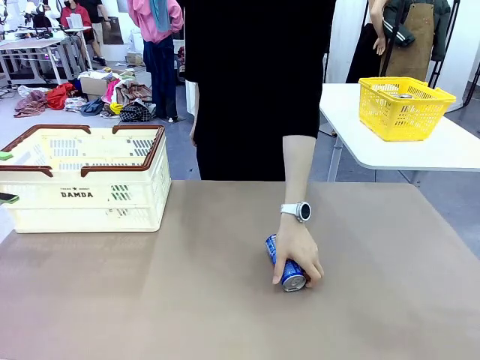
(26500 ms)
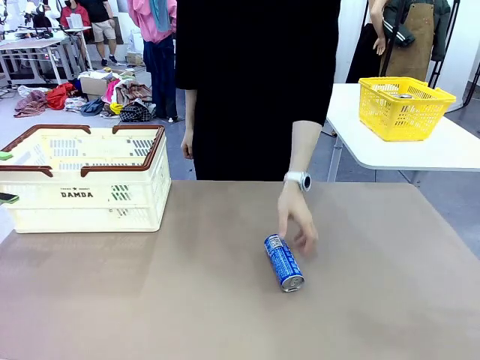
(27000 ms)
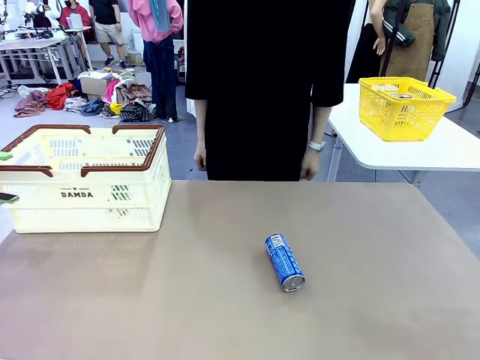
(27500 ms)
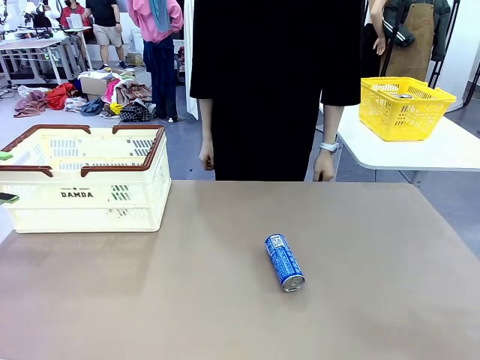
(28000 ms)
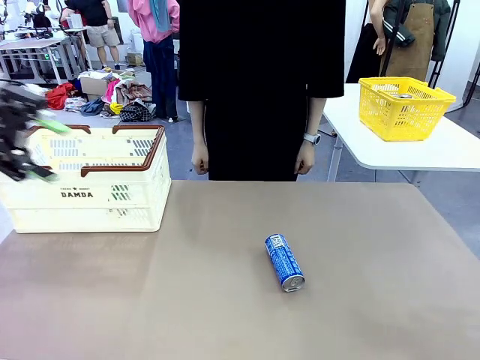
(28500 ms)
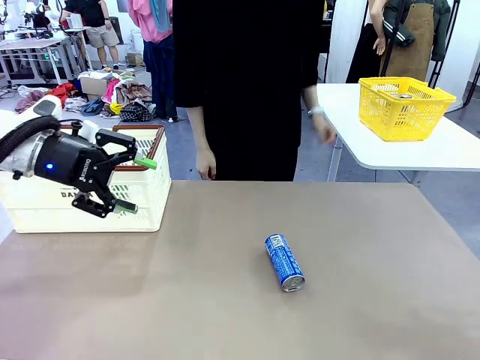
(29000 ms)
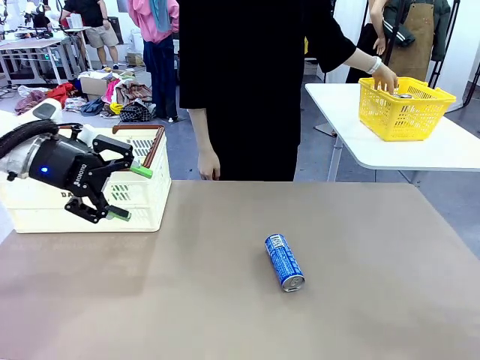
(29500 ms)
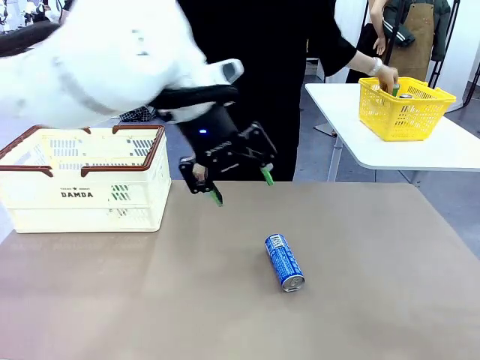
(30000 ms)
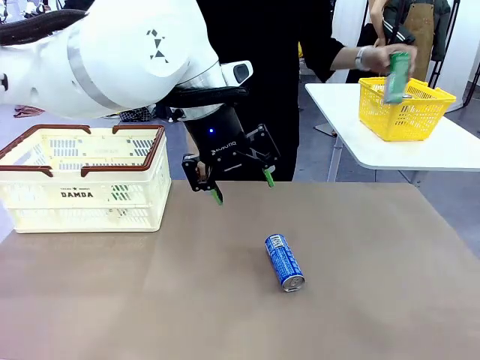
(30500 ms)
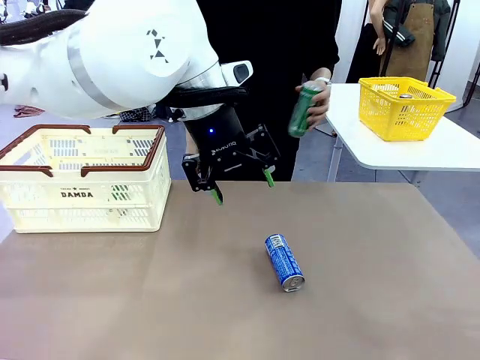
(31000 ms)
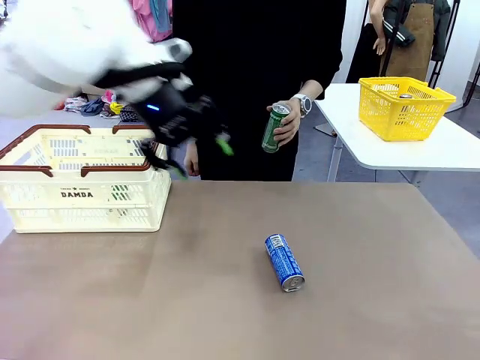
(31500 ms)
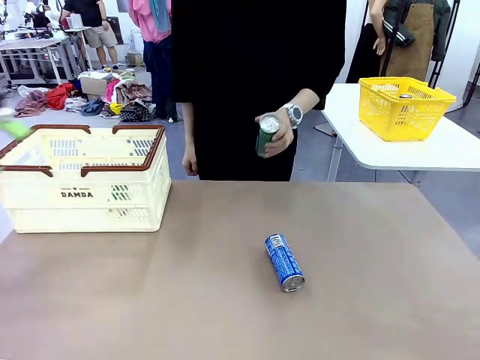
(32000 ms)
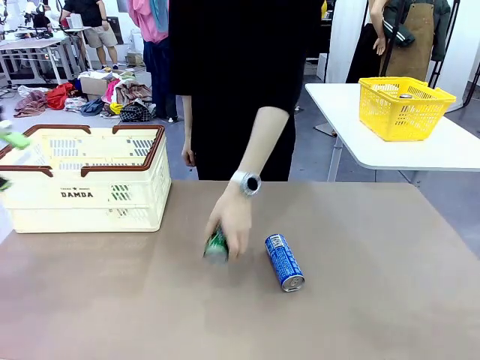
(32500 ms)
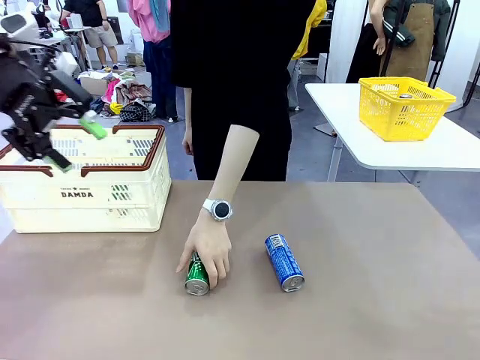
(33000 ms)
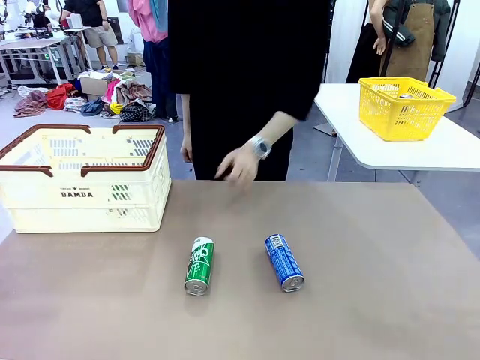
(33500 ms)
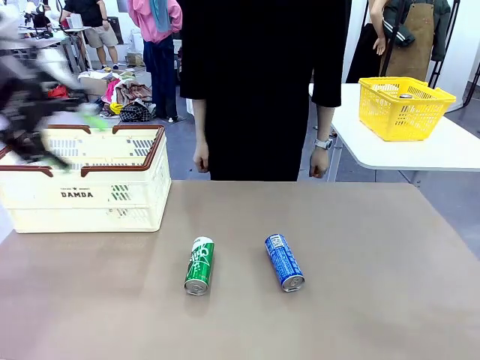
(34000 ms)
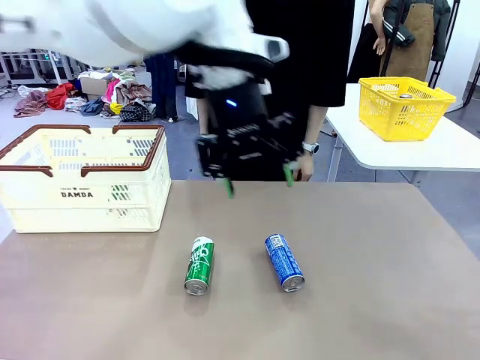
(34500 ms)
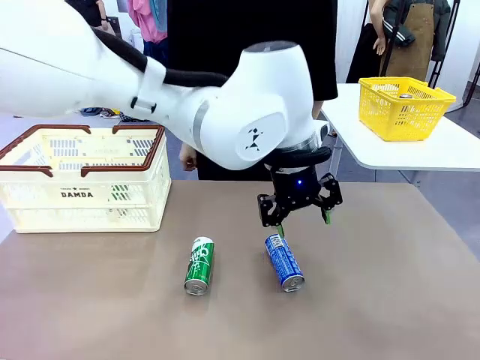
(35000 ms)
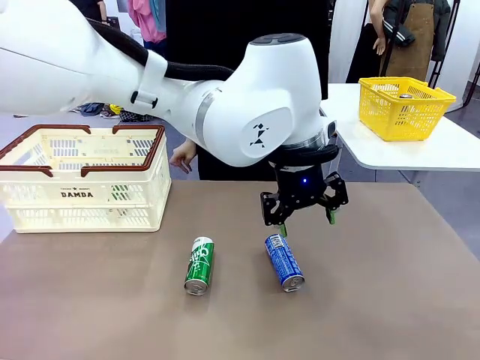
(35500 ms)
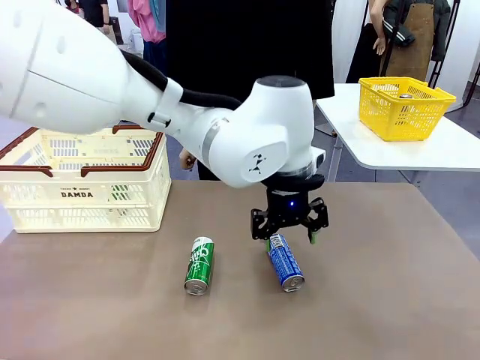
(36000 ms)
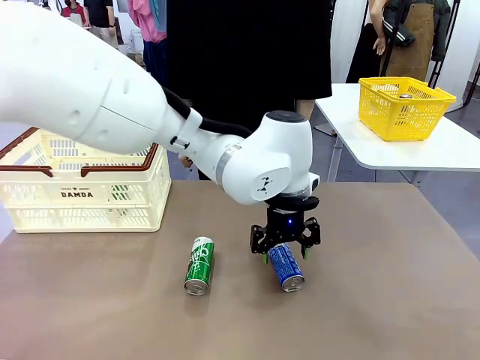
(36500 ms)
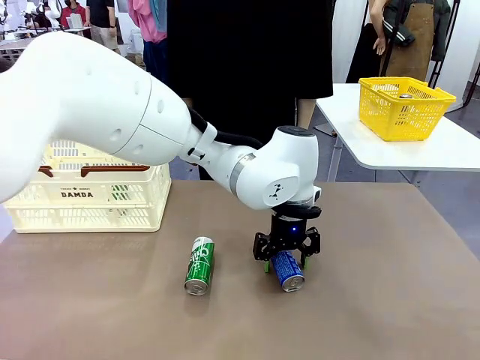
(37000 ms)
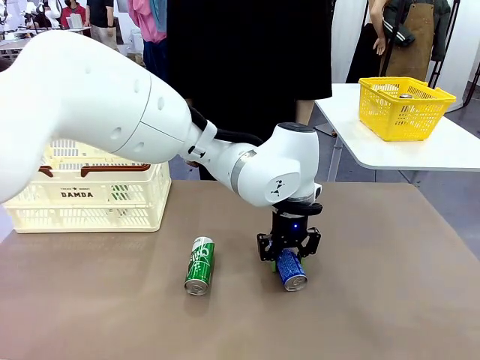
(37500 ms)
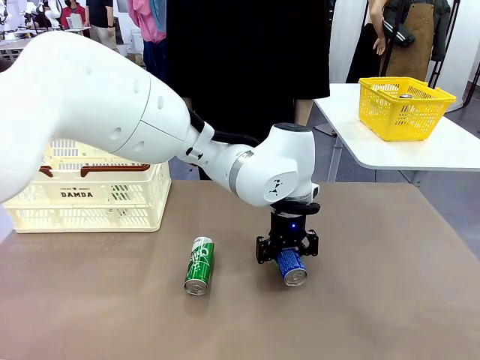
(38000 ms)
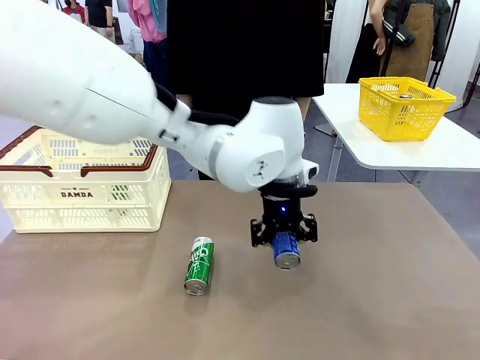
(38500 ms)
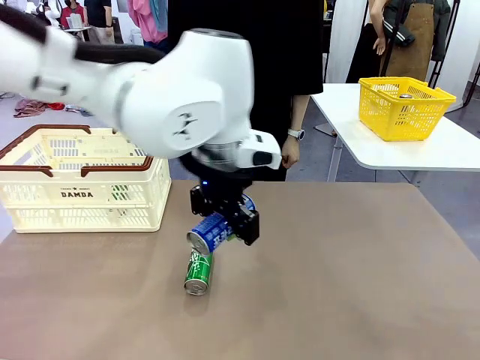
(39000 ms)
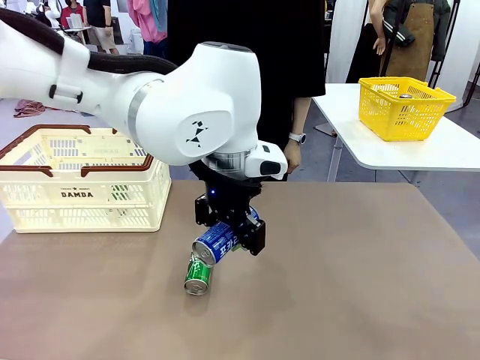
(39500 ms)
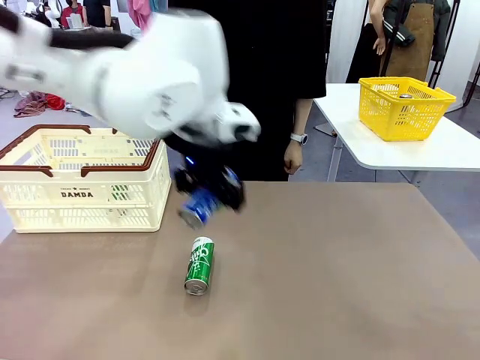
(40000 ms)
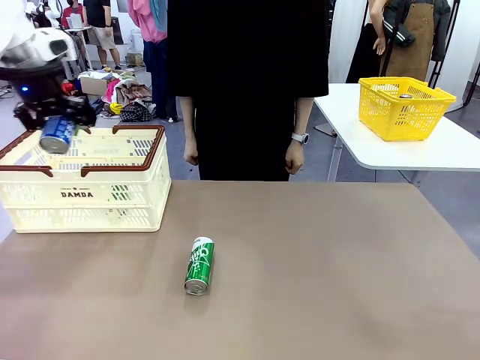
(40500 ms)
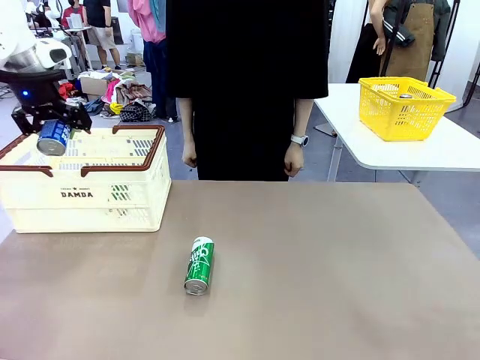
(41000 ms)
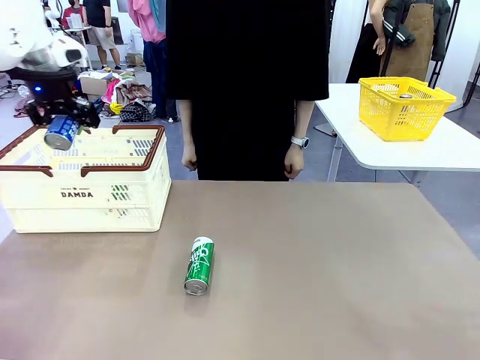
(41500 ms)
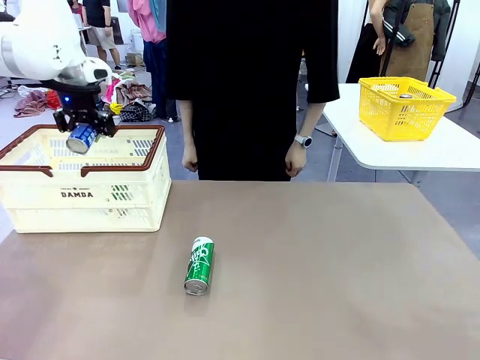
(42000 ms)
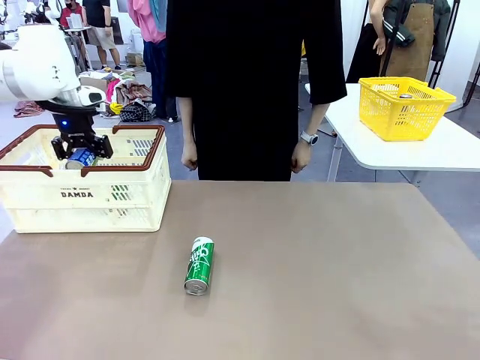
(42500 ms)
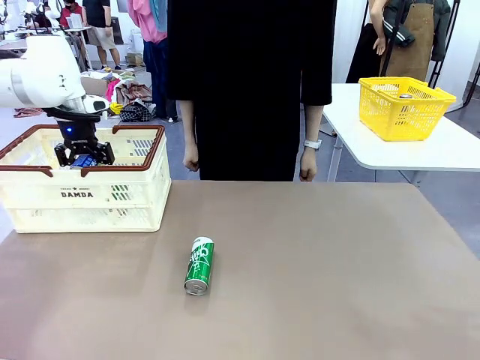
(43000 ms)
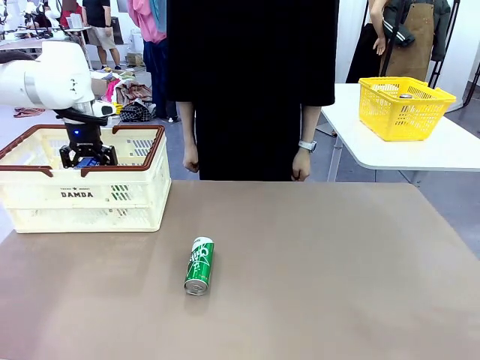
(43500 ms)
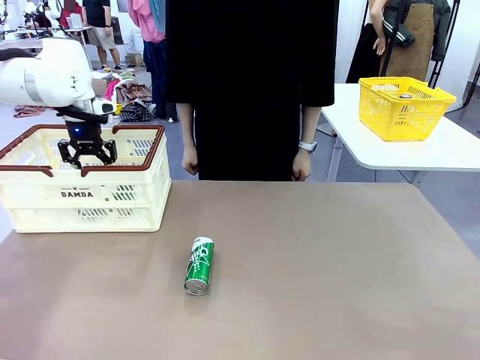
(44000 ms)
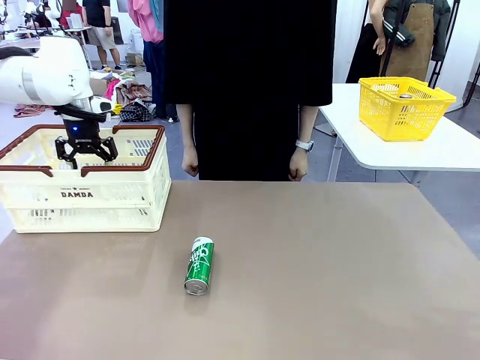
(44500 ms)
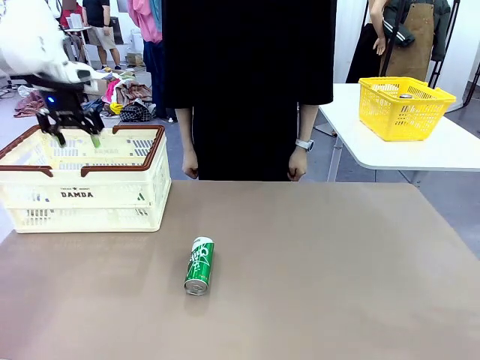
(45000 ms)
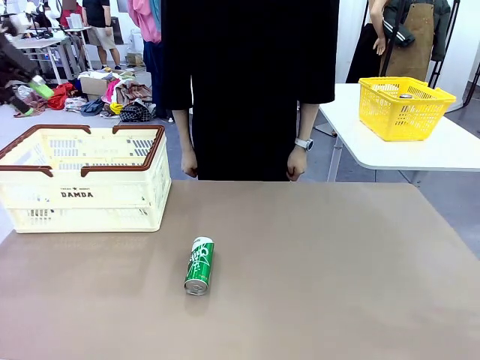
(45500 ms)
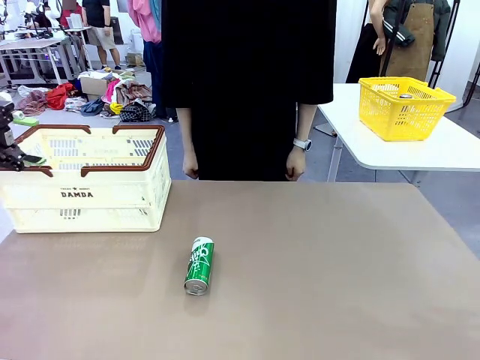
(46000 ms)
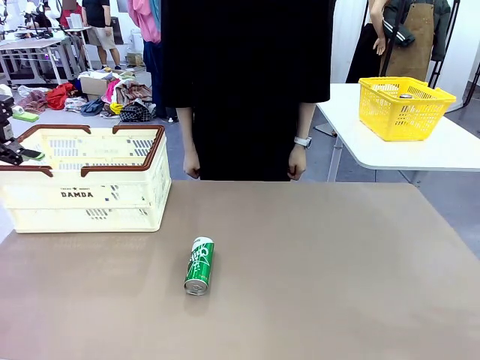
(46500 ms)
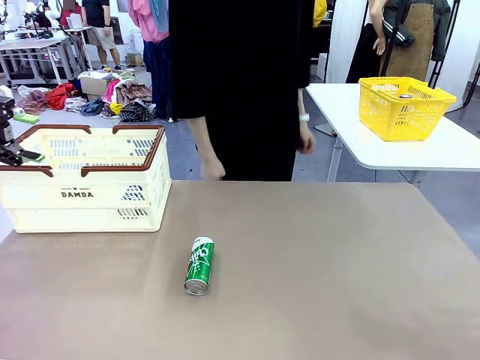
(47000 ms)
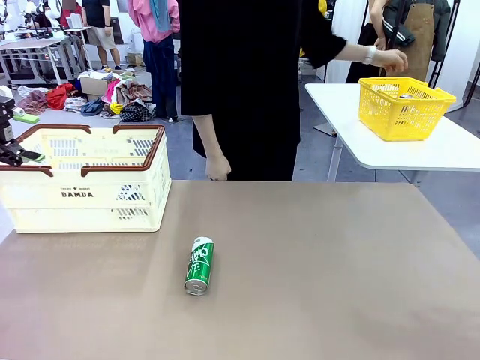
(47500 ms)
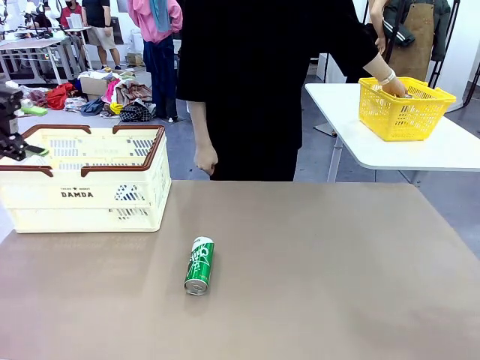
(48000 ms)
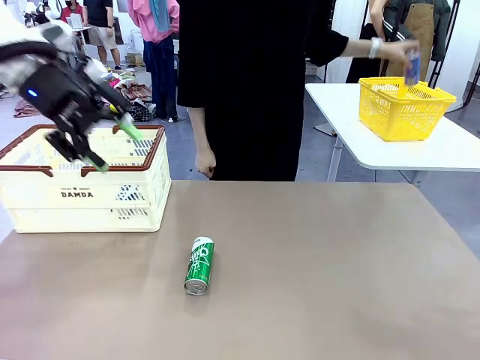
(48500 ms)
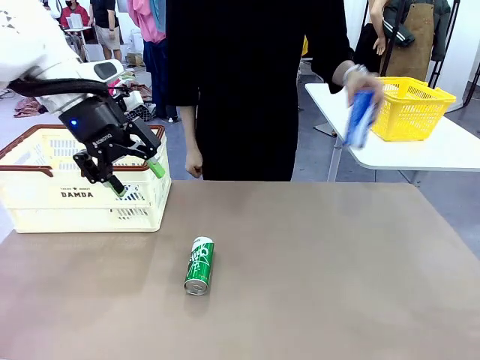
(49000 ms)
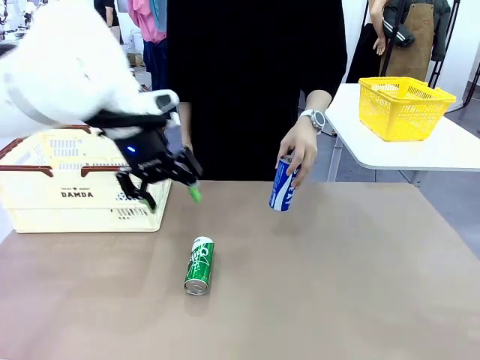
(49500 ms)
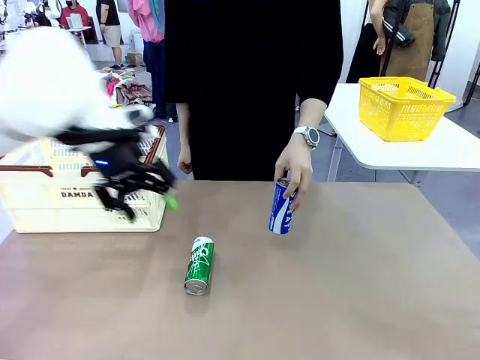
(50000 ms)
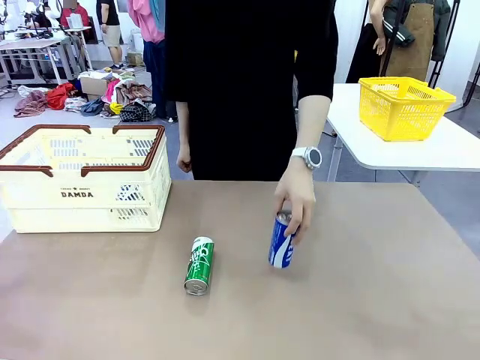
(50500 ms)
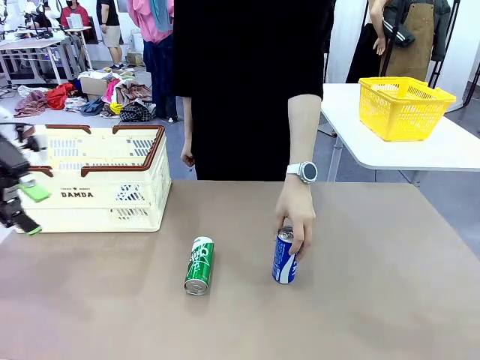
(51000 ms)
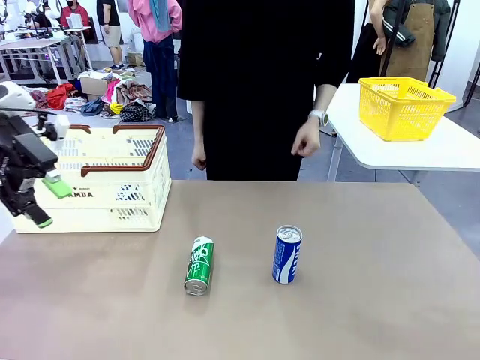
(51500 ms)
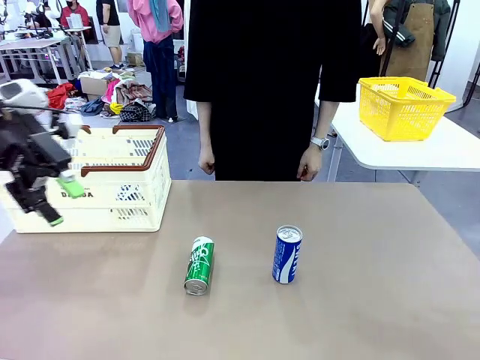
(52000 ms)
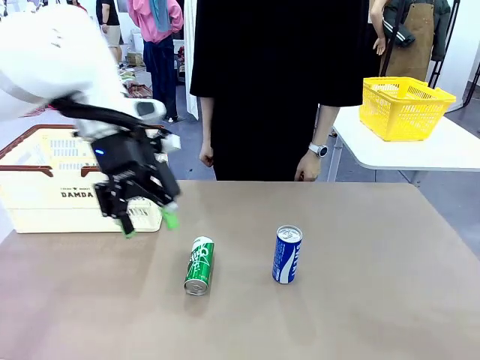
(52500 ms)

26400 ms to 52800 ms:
Task: Place the drinks into the Shopping basket.
Robot: Pick up one drink and place it into the Shopping basket.
